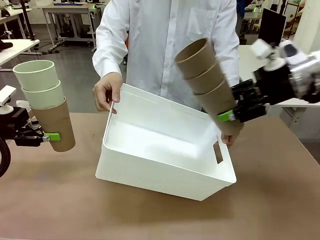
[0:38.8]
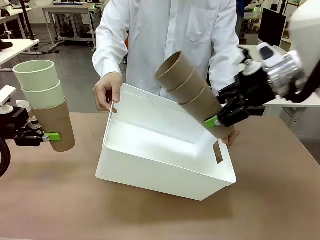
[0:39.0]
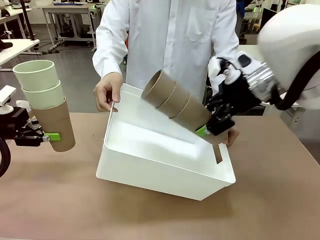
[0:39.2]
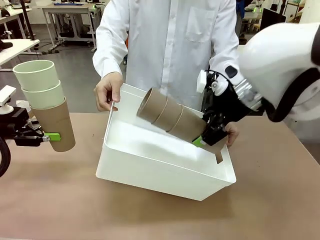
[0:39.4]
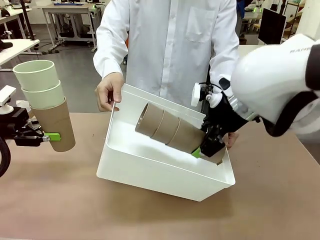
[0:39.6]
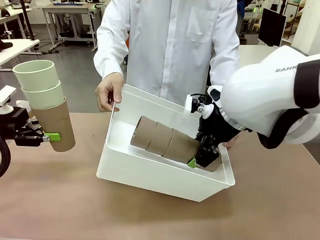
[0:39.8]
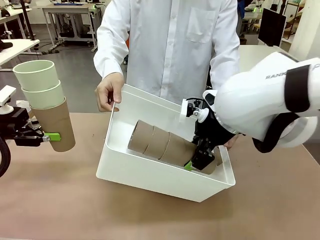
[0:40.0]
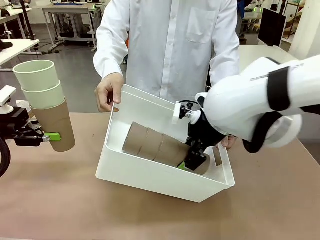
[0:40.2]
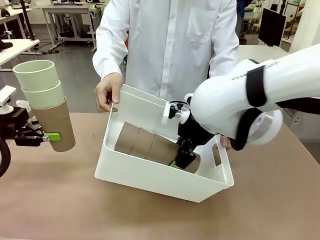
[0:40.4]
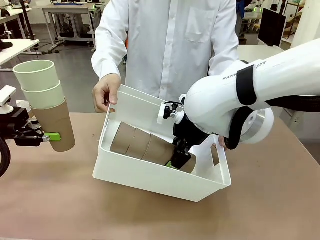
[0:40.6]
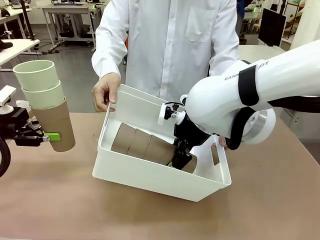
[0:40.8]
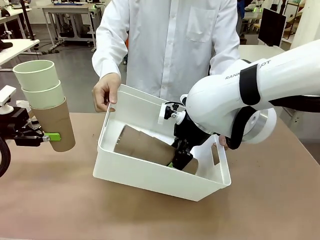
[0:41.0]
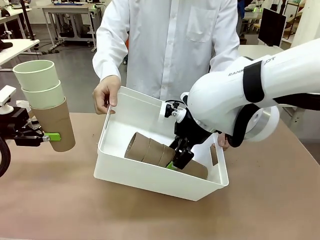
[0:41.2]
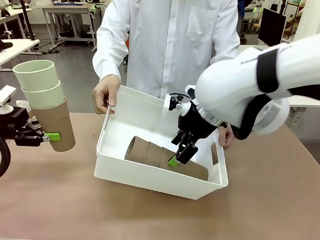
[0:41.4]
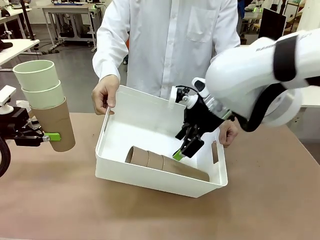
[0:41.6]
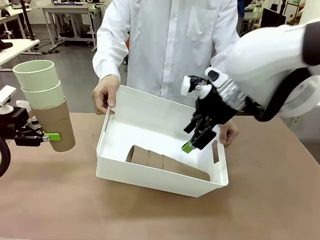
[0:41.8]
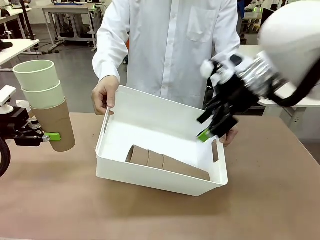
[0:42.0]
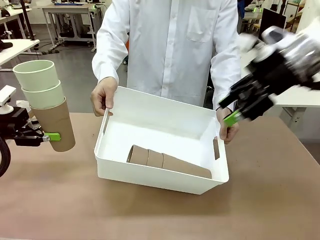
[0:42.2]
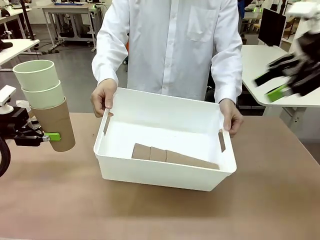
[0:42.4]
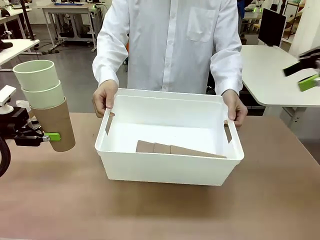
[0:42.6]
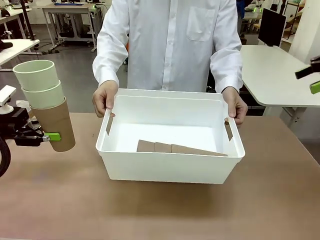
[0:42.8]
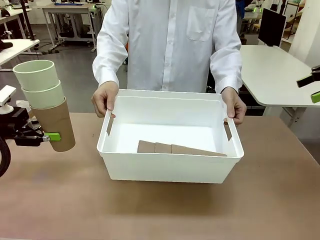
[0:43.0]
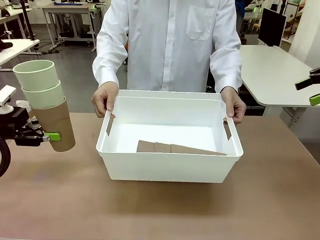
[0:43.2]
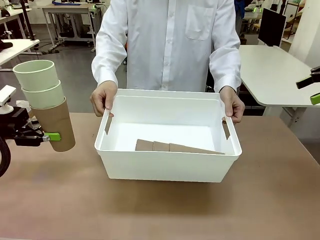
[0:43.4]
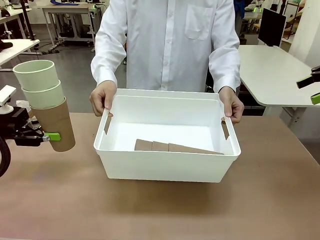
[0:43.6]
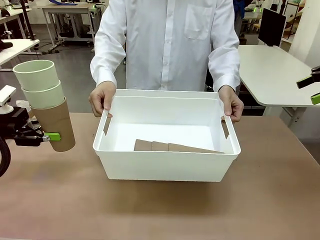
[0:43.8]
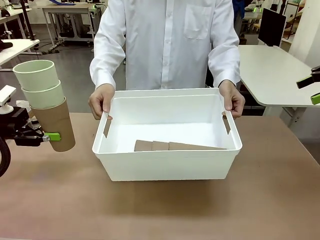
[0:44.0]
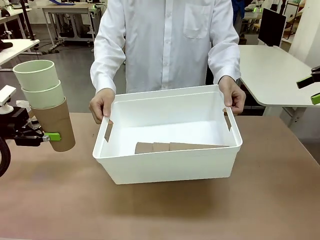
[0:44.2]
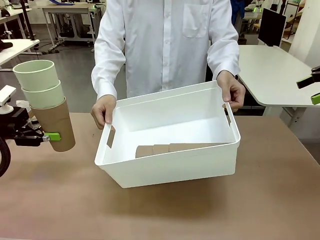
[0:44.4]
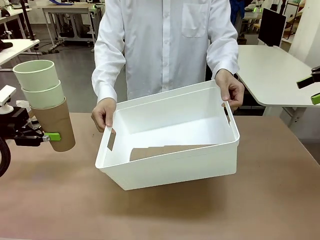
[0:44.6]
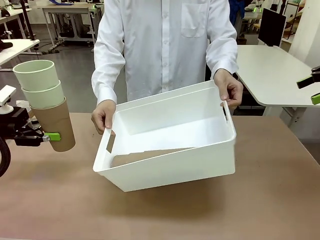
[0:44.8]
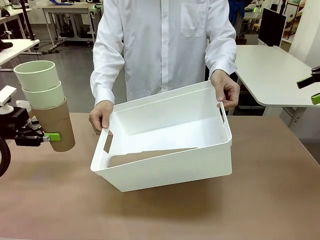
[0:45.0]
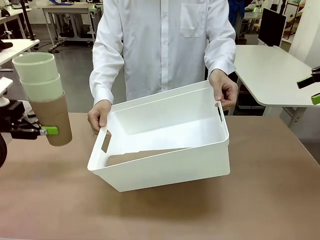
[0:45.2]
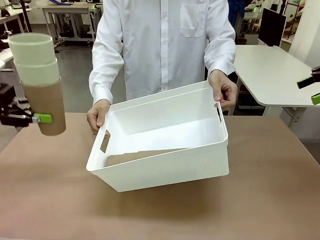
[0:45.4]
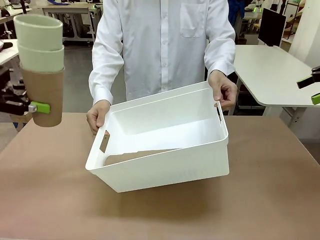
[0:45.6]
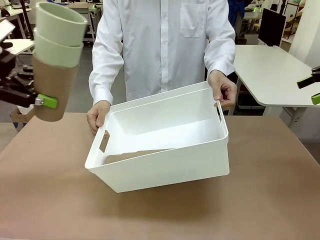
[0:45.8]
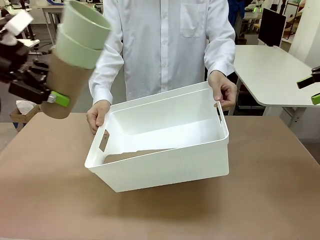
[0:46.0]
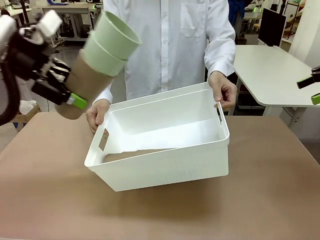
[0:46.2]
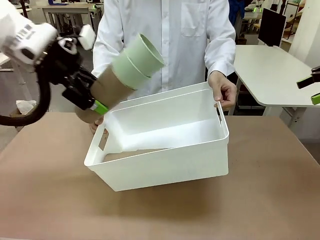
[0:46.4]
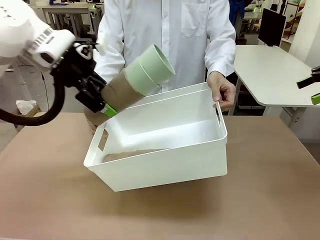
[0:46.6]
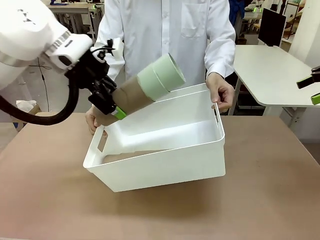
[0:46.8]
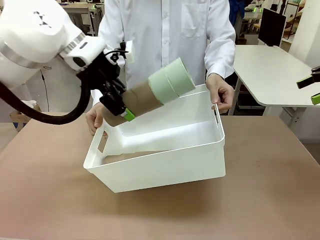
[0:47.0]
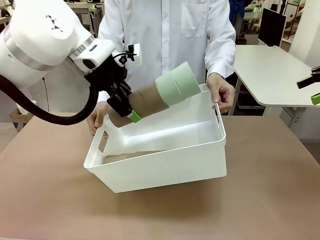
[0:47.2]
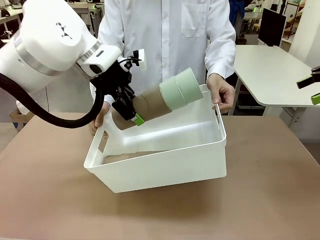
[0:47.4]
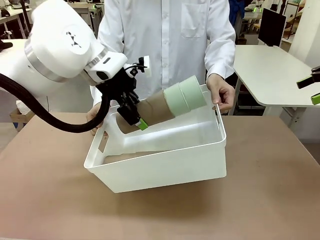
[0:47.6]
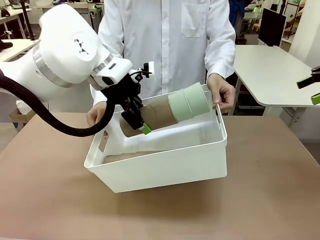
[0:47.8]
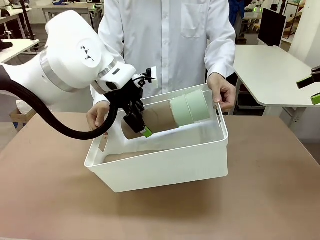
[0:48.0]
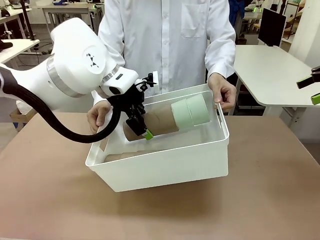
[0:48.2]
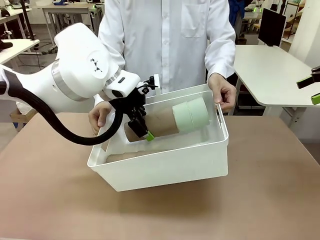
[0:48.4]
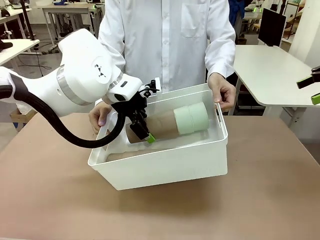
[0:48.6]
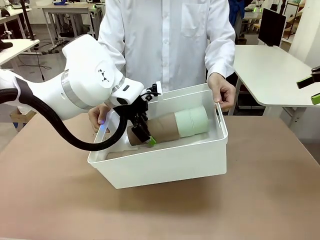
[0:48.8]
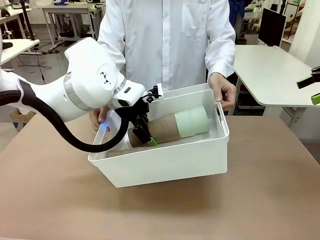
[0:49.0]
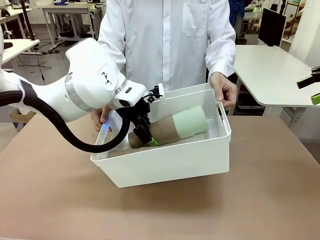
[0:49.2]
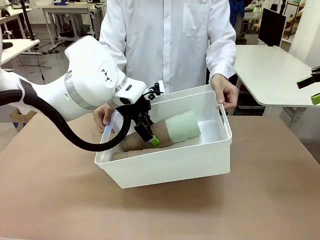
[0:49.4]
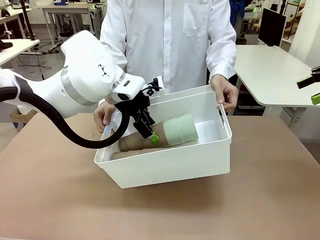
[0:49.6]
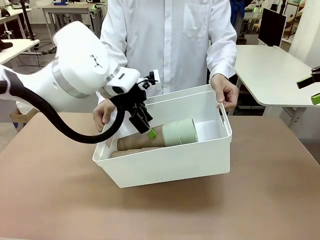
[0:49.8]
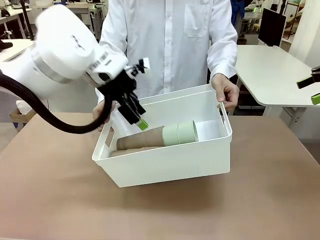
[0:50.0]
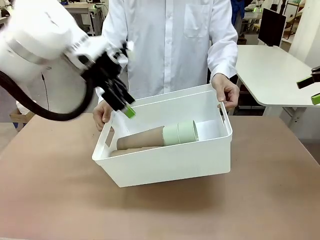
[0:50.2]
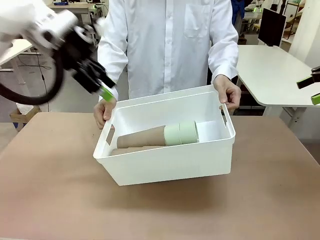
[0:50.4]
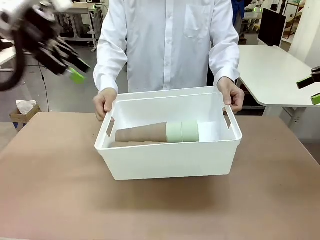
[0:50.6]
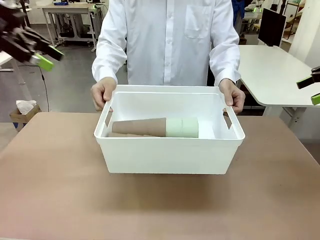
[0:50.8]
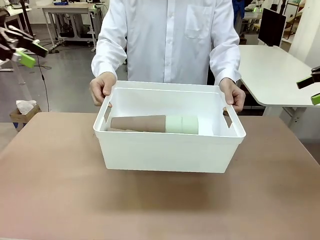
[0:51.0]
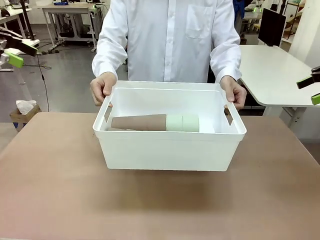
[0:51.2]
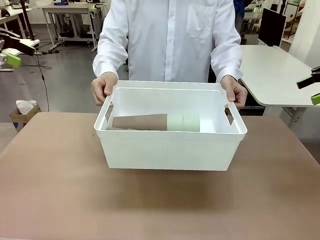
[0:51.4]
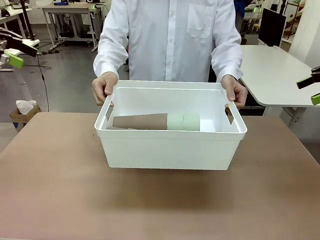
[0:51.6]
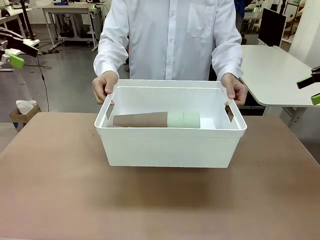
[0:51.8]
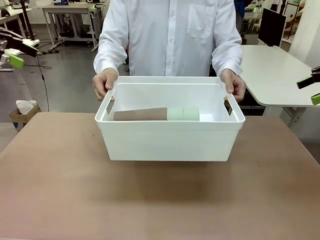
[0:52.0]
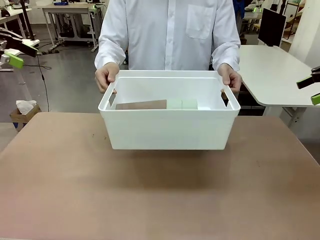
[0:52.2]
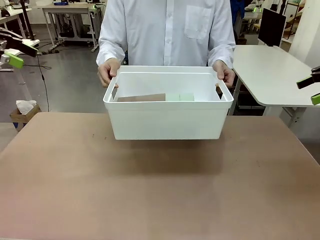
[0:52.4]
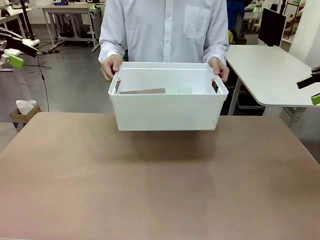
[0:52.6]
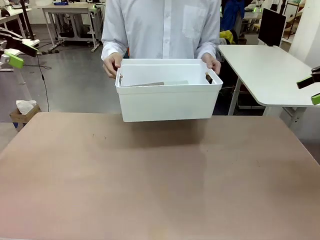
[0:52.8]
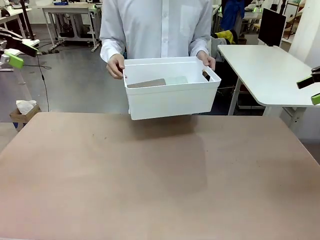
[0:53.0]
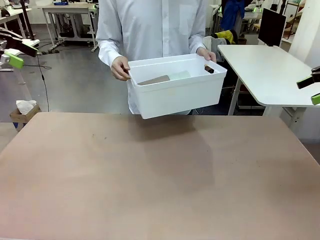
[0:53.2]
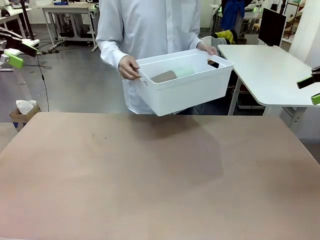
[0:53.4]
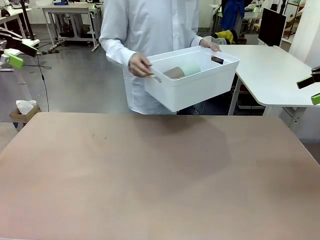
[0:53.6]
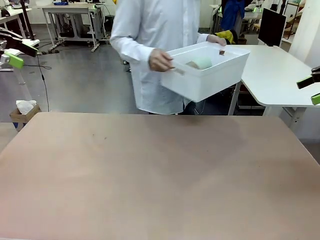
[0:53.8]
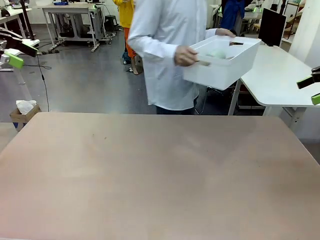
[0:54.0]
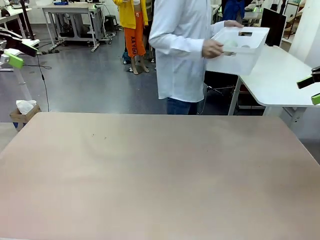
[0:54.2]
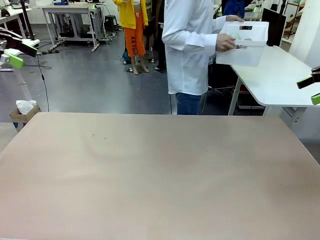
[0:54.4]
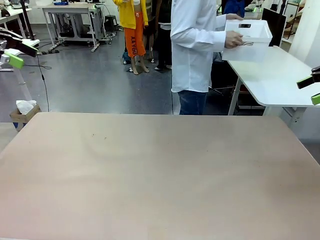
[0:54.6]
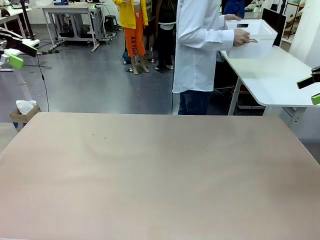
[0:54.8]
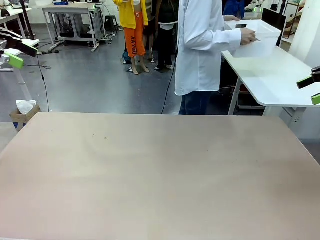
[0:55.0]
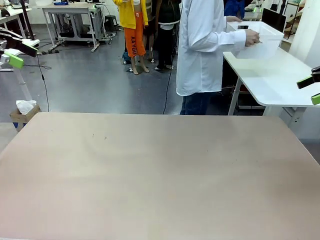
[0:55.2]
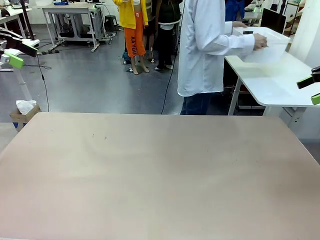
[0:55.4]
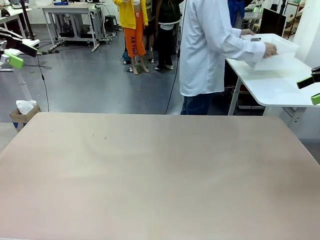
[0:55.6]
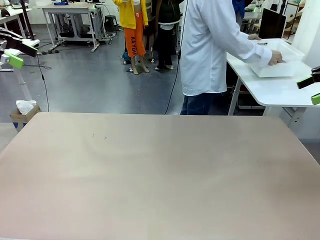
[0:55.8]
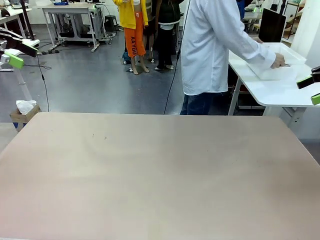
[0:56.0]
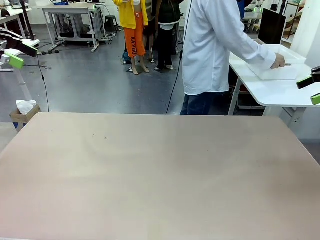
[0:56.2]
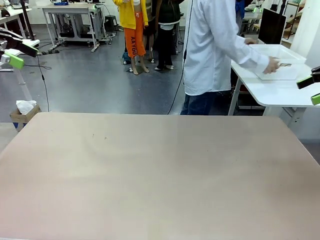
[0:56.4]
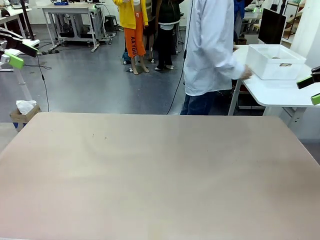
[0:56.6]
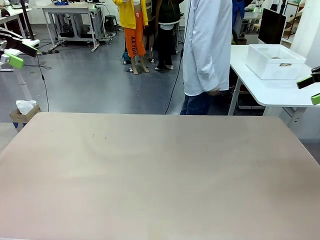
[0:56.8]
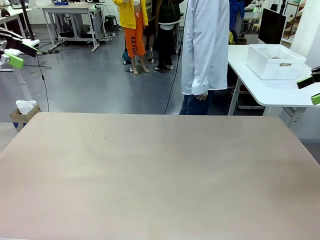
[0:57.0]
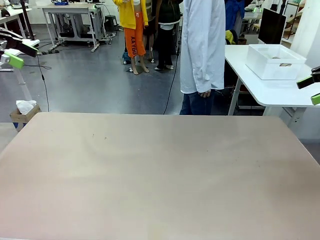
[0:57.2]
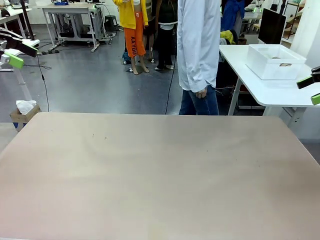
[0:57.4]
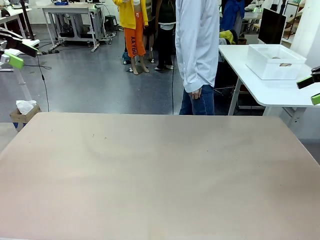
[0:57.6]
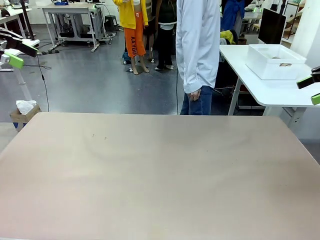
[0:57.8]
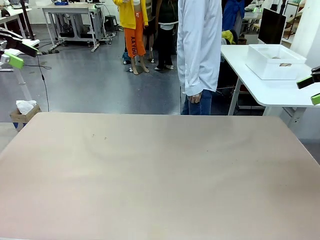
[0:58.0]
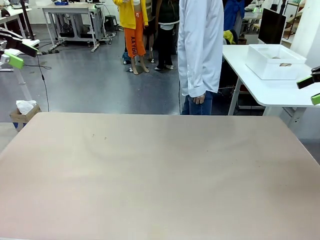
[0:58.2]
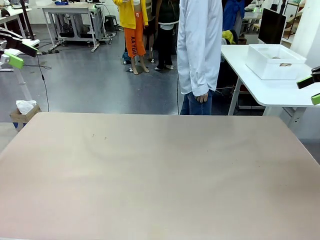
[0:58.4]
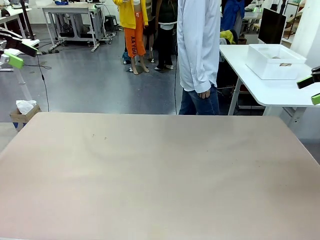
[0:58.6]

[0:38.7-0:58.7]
Task: Stack the cups and store them in the basket.
Robot: Place the stack of Reusable plastic cups into the Pantry Basket.
Person: Place the basket containing the cups in the middle of the Human Table.
